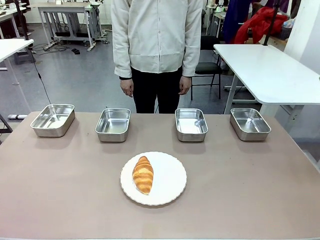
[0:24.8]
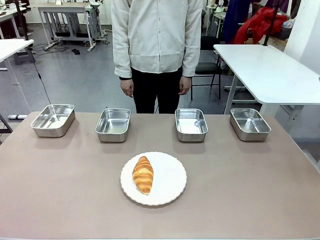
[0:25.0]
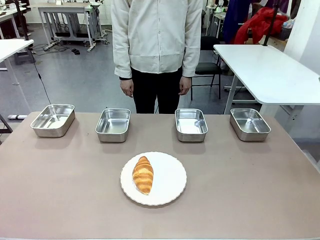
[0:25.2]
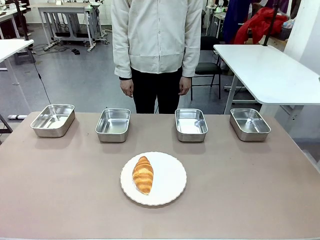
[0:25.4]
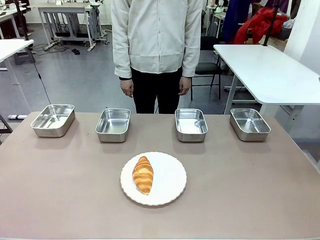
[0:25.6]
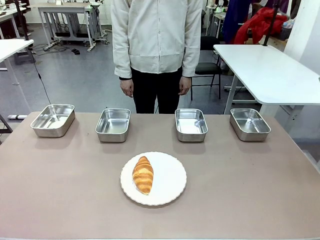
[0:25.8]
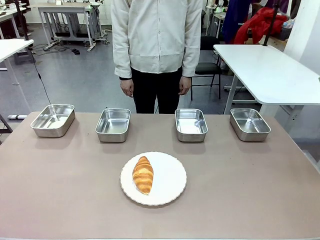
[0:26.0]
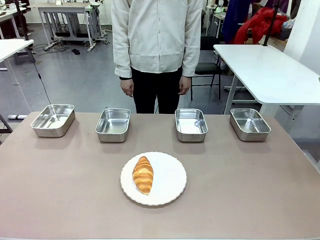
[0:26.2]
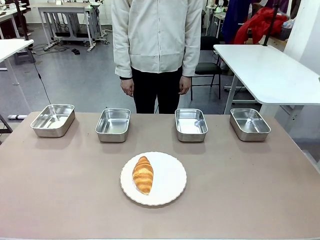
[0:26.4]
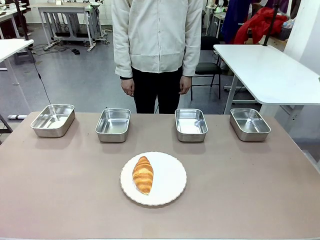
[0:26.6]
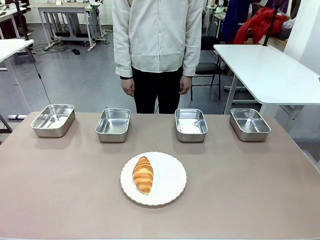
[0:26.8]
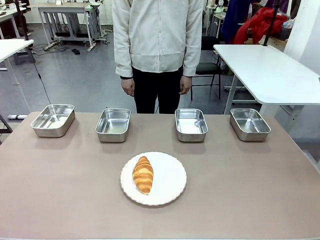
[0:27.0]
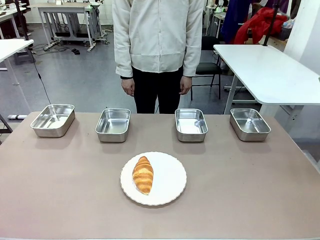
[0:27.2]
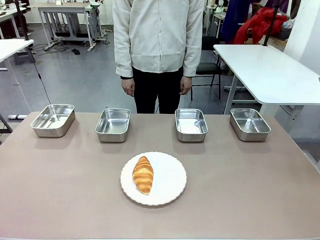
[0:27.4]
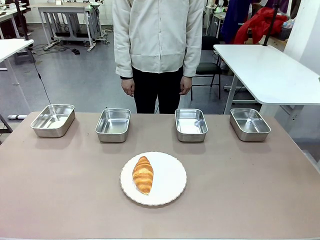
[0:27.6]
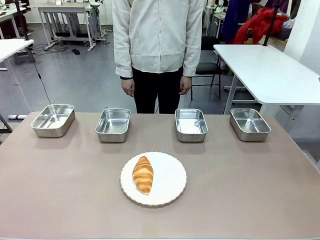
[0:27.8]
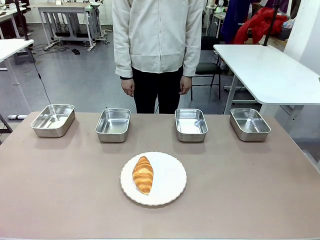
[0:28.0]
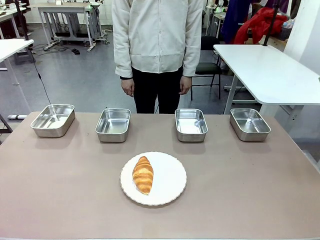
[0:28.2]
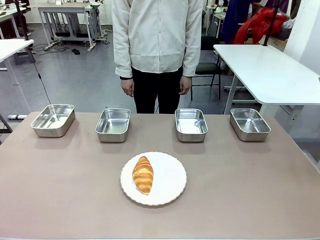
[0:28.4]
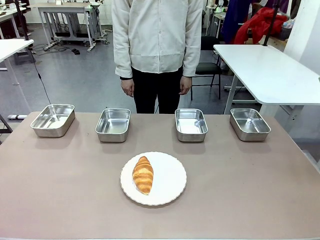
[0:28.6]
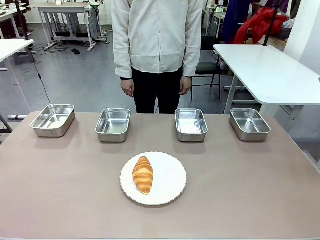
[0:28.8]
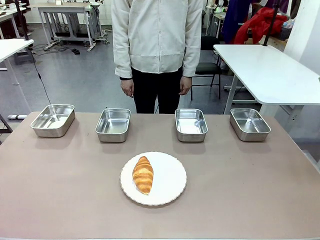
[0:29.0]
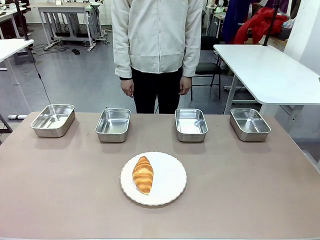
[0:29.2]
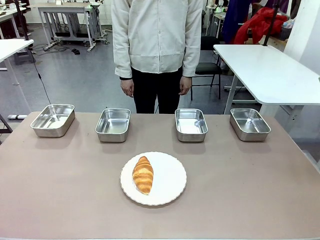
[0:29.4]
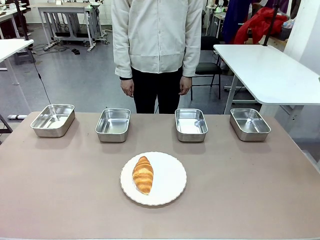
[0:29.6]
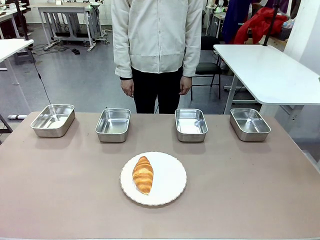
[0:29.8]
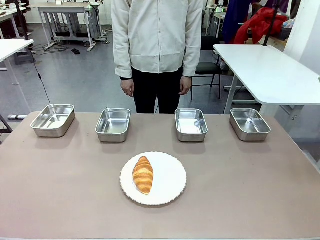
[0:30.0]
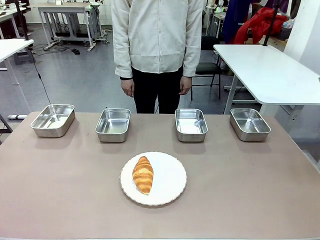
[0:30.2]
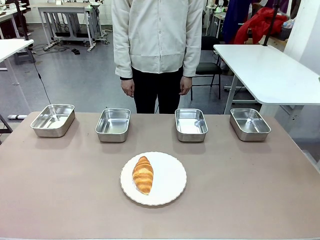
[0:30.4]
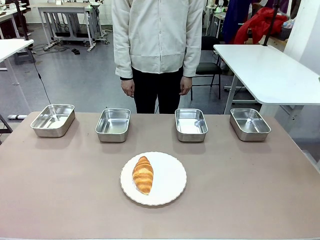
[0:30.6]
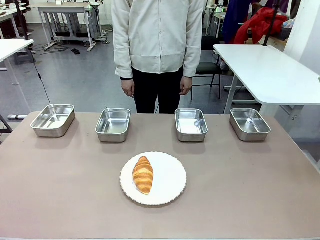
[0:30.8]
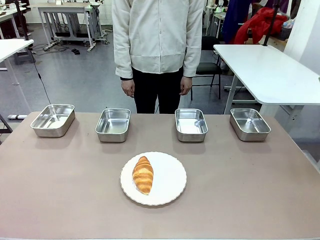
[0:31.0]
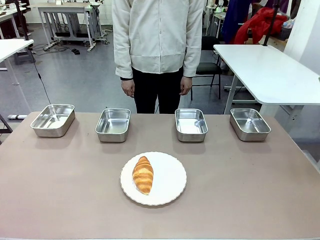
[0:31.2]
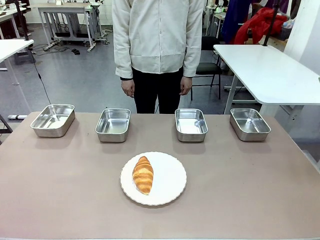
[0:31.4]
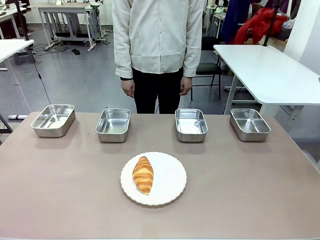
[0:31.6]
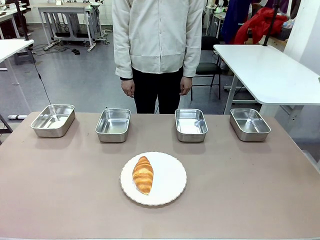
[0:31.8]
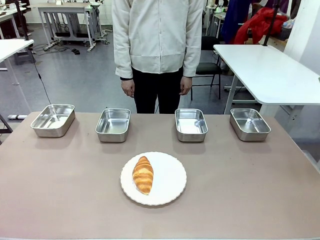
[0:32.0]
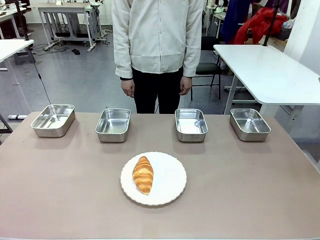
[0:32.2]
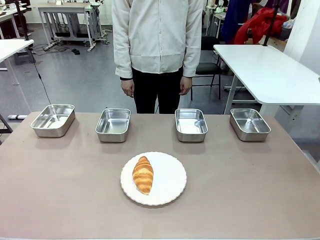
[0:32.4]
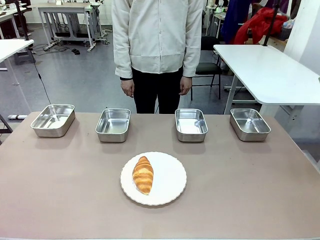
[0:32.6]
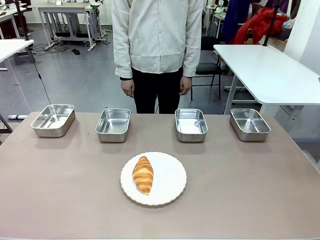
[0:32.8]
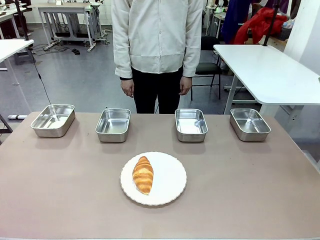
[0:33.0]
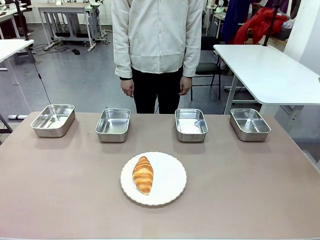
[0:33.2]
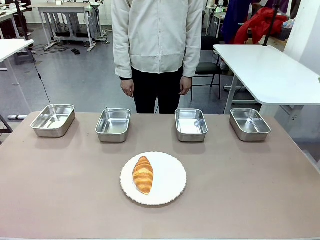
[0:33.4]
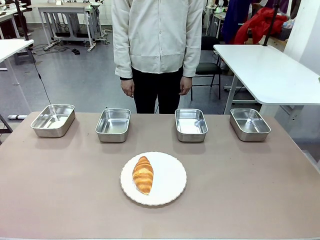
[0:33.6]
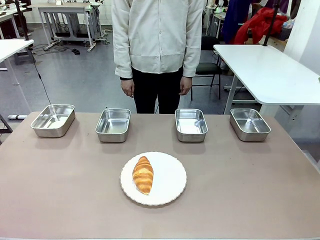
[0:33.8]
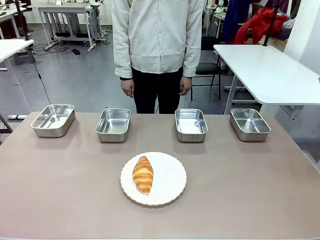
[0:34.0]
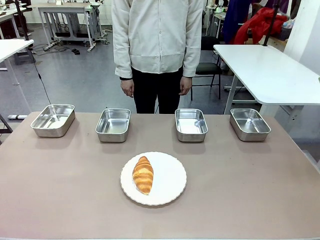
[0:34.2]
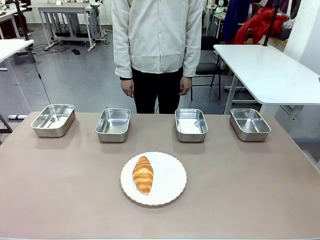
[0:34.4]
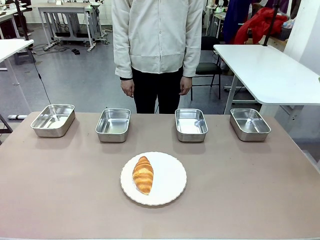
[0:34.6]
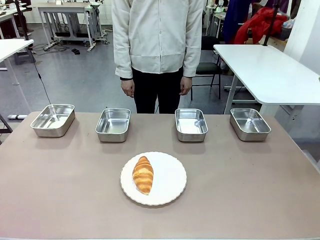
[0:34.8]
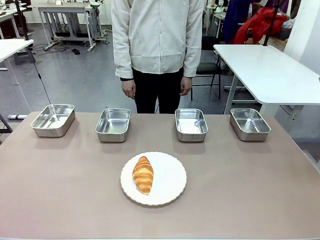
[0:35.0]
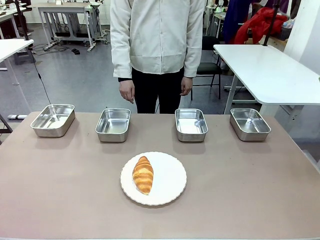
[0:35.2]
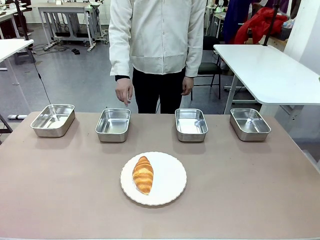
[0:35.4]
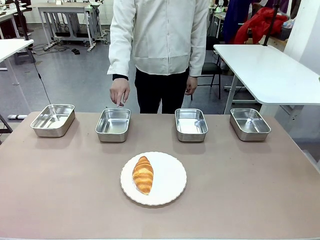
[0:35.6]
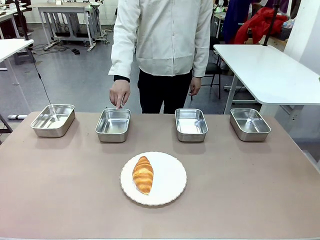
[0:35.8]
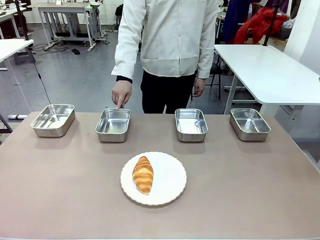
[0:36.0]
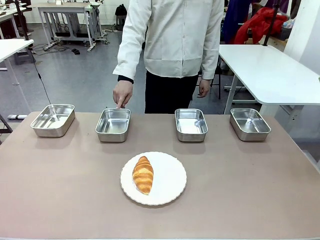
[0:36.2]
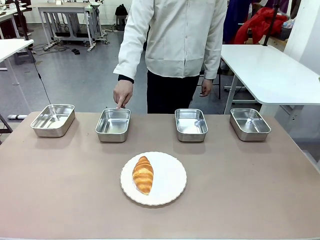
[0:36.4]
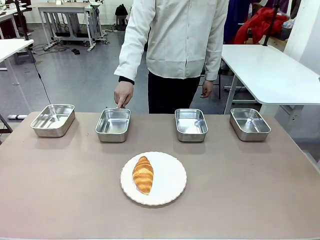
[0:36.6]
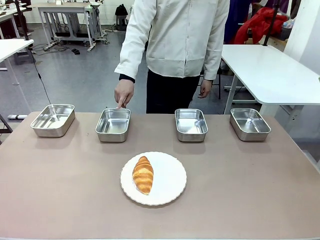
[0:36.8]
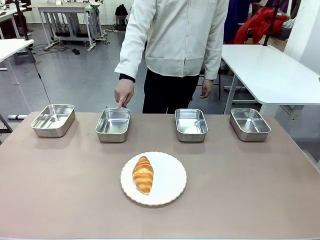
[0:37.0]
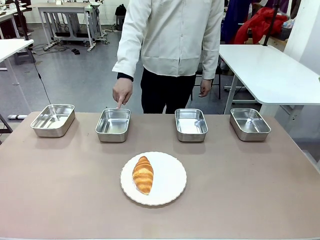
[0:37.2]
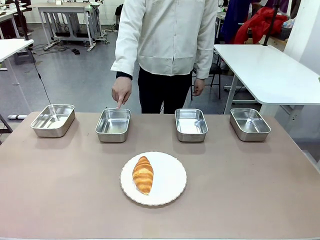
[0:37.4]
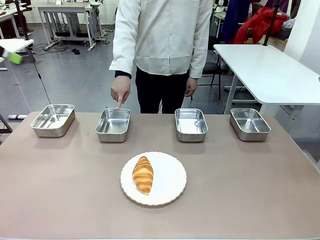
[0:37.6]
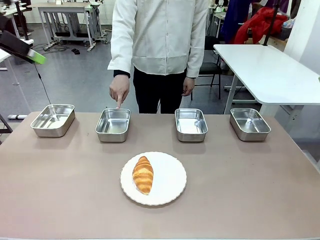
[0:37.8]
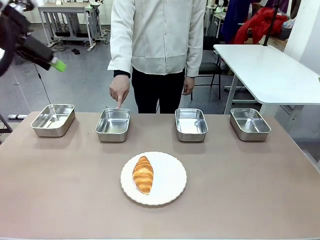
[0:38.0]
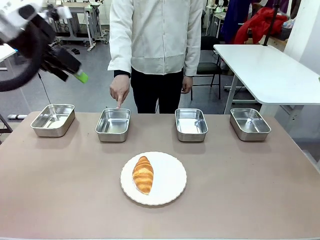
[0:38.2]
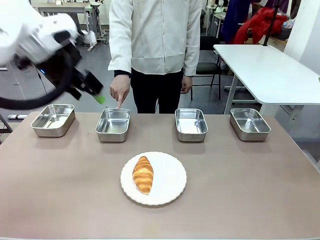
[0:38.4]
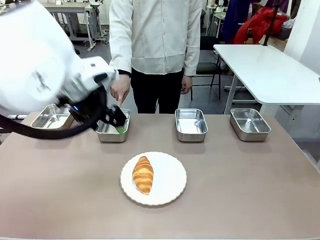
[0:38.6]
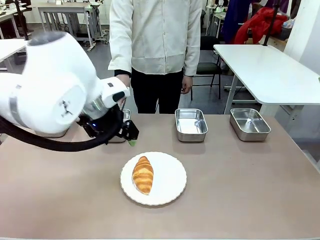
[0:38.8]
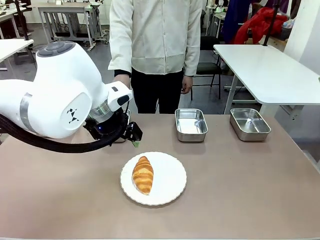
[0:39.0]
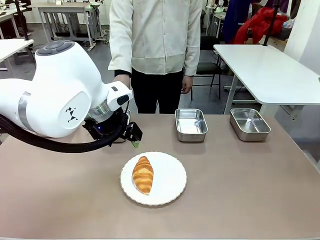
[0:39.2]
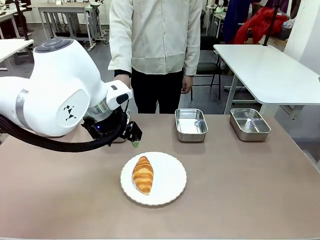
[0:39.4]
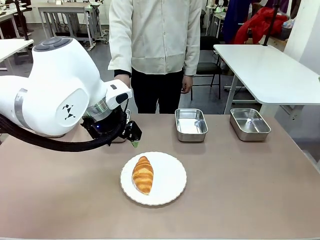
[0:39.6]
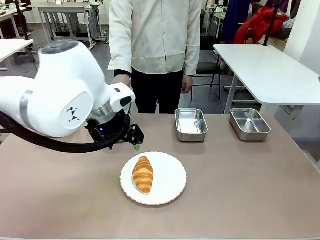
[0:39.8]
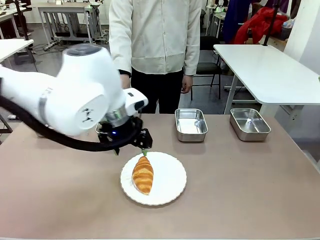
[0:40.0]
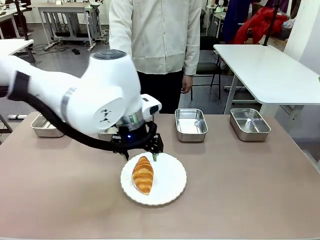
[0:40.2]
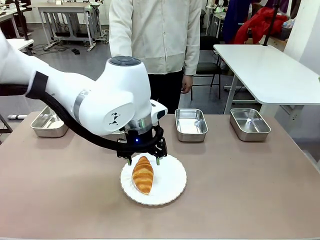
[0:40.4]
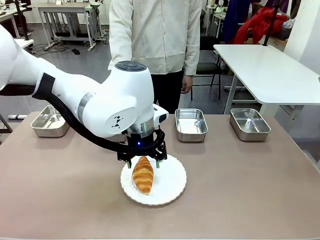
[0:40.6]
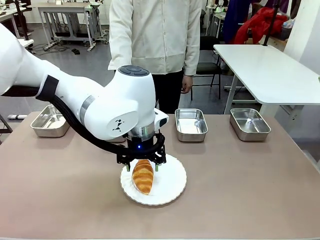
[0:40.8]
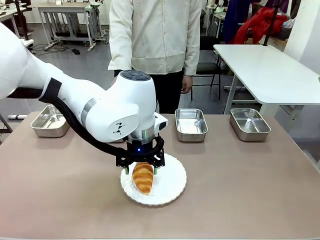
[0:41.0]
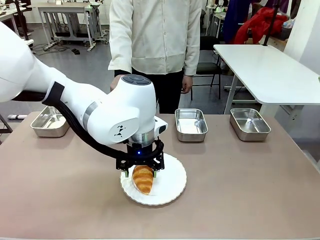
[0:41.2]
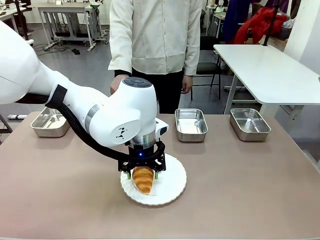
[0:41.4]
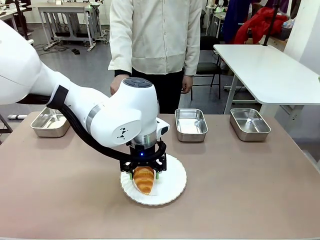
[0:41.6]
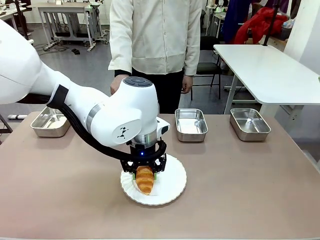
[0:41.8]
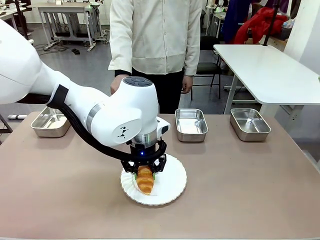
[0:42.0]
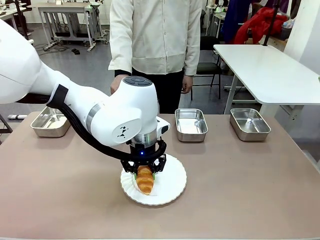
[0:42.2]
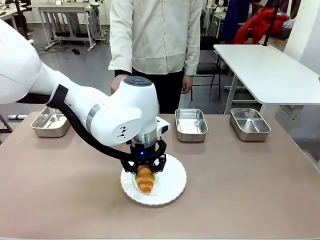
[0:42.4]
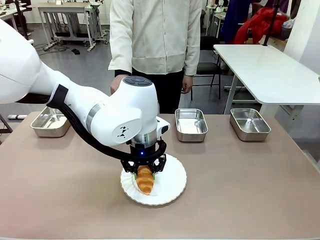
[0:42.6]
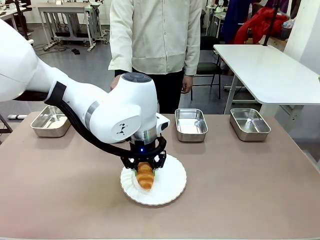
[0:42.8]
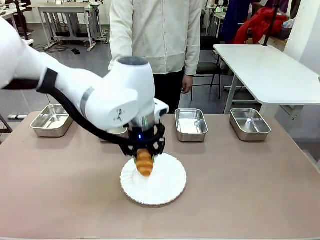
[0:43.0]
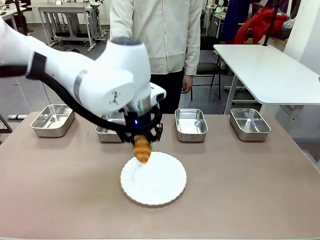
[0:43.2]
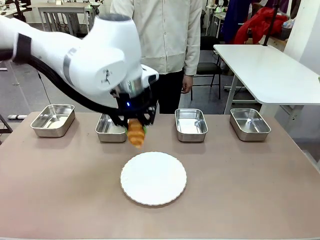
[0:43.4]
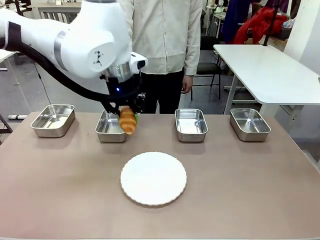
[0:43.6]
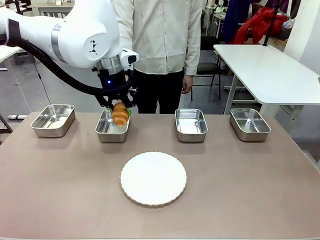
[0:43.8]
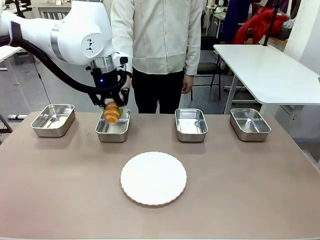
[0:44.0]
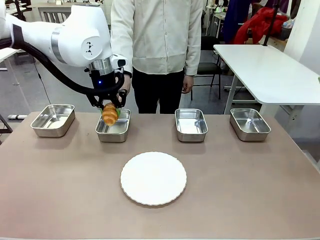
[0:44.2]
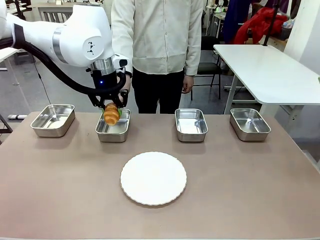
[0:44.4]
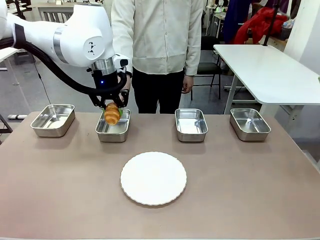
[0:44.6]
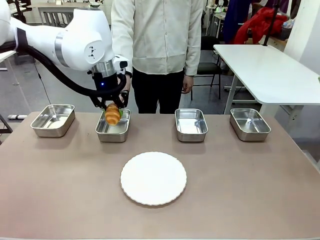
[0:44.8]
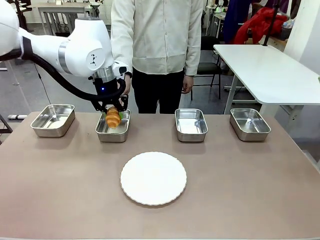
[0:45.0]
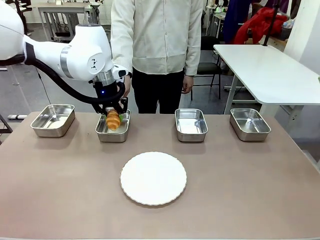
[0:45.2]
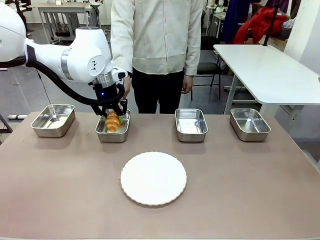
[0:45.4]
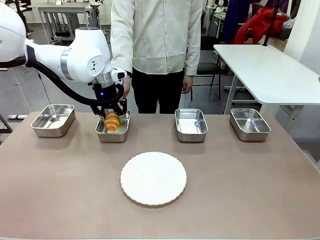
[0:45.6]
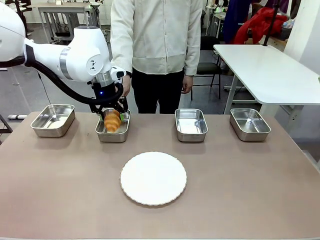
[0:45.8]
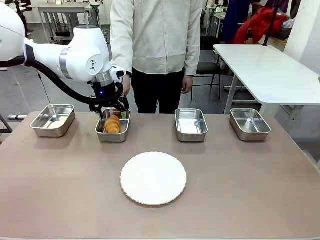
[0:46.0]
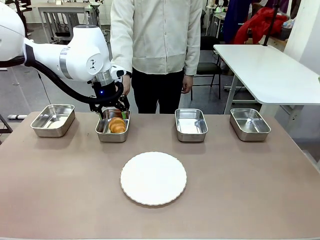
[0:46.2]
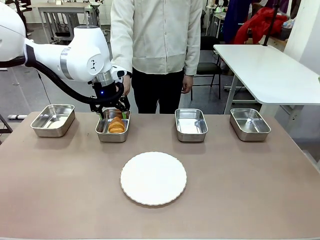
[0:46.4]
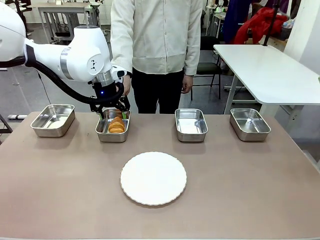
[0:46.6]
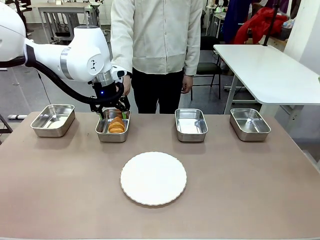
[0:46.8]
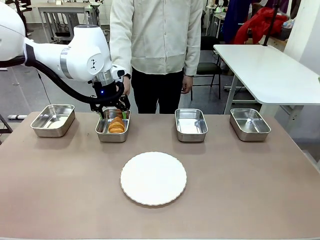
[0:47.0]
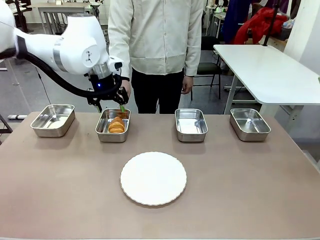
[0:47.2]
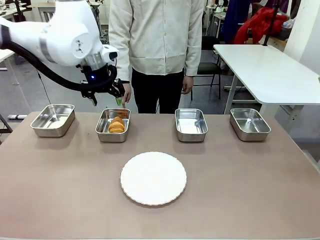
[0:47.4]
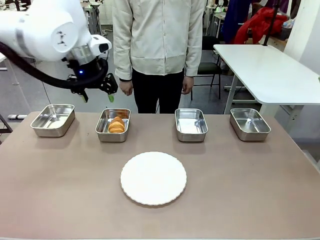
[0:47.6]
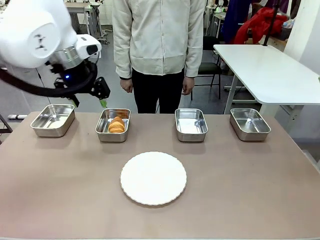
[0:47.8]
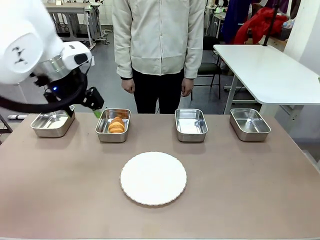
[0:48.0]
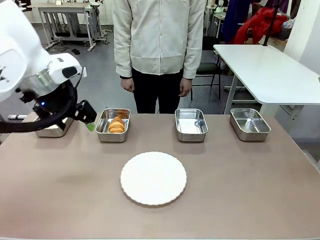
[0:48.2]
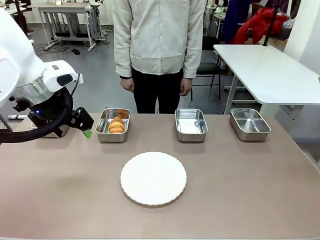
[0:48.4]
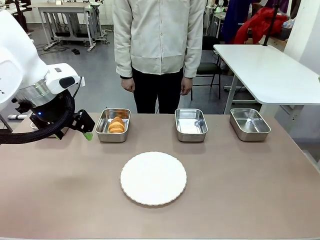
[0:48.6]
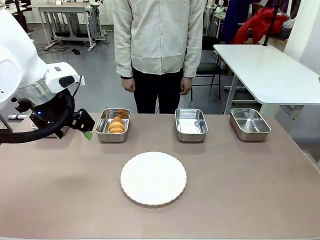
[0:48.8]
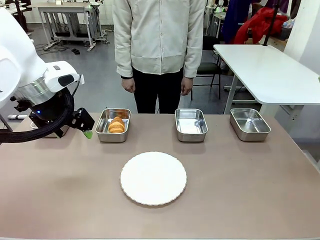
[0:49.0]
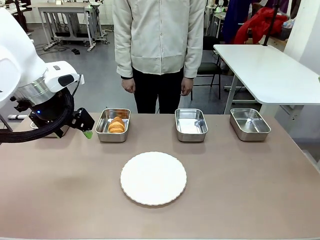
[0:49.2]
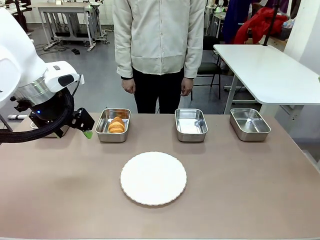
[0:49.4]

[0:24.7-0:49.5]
Task: Place the bread in the container.
Robot: Place the Butter Roll into the Airtight Container indicated by the human.
Person: A person randomly selects and points to an Airtight Container.
